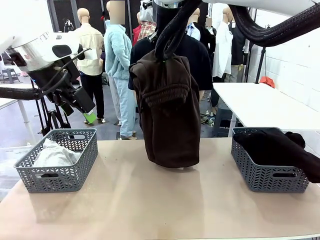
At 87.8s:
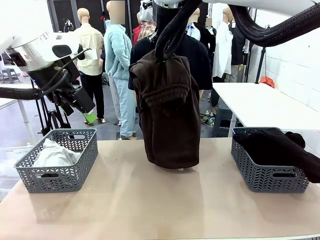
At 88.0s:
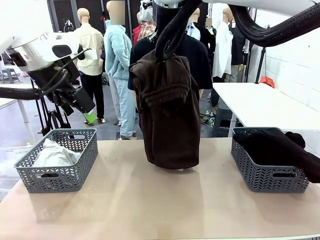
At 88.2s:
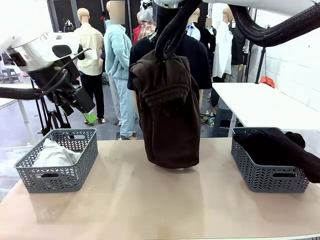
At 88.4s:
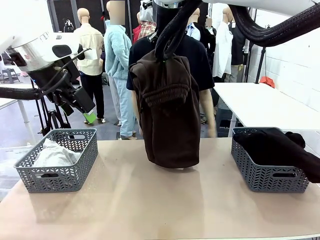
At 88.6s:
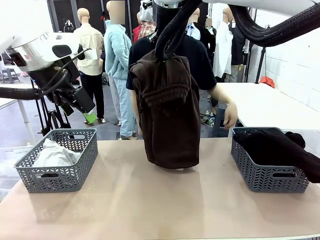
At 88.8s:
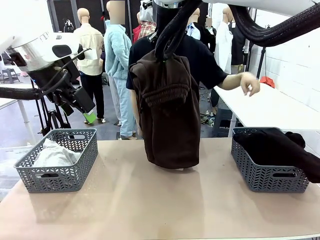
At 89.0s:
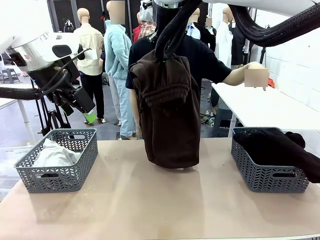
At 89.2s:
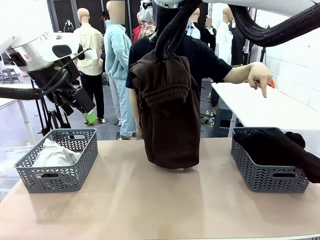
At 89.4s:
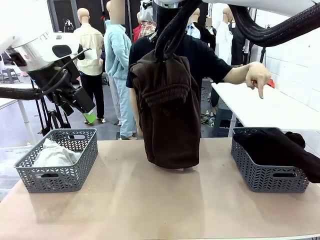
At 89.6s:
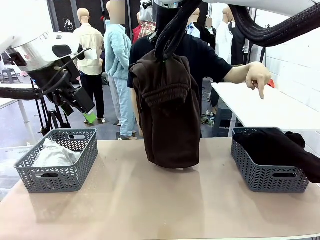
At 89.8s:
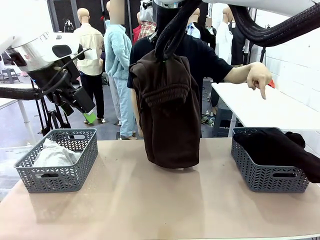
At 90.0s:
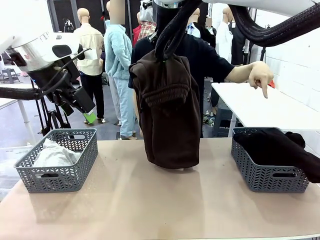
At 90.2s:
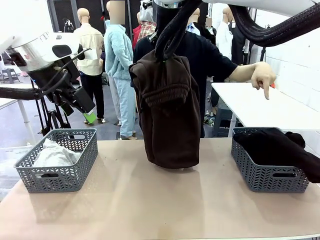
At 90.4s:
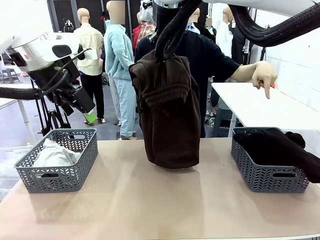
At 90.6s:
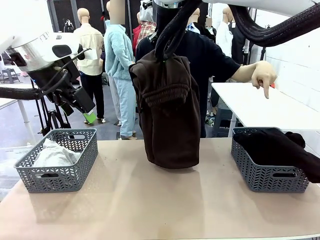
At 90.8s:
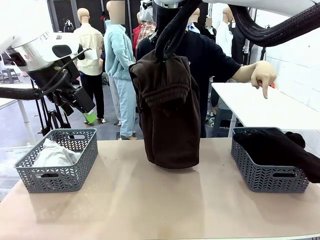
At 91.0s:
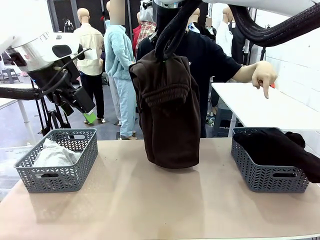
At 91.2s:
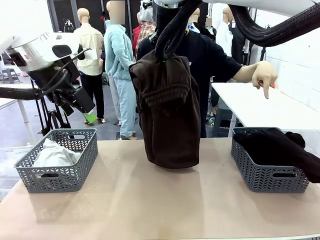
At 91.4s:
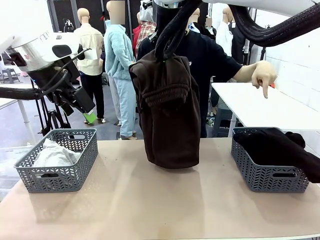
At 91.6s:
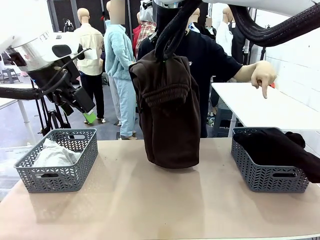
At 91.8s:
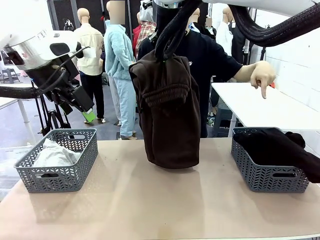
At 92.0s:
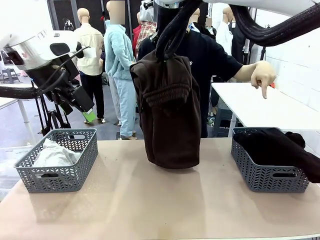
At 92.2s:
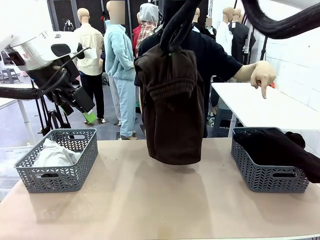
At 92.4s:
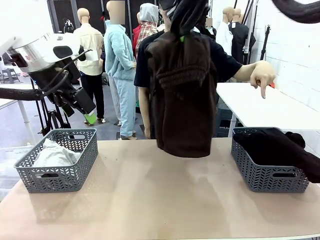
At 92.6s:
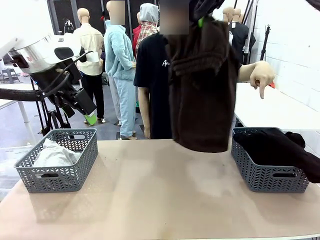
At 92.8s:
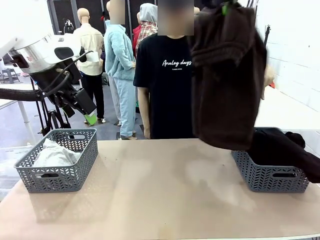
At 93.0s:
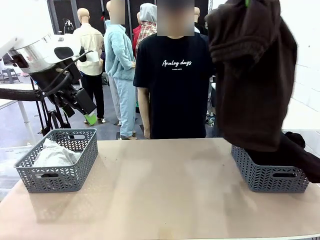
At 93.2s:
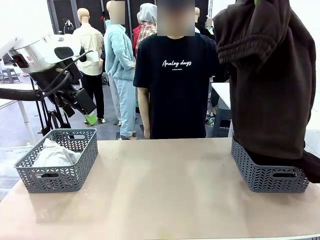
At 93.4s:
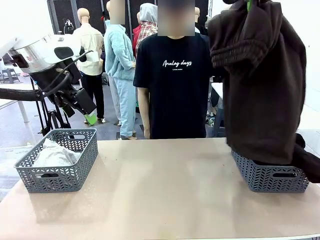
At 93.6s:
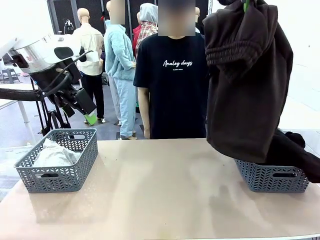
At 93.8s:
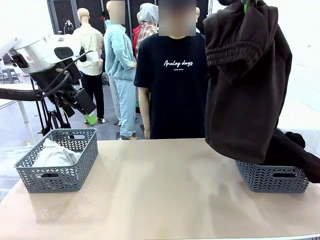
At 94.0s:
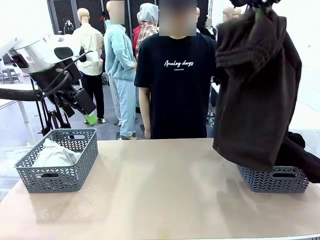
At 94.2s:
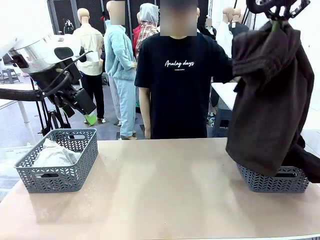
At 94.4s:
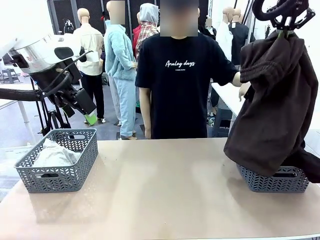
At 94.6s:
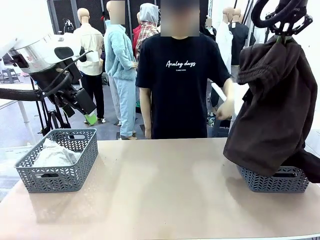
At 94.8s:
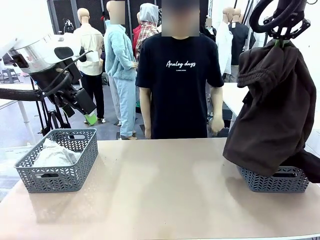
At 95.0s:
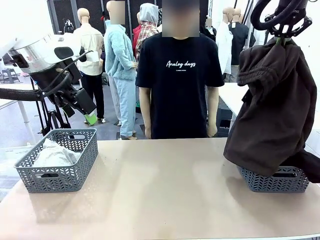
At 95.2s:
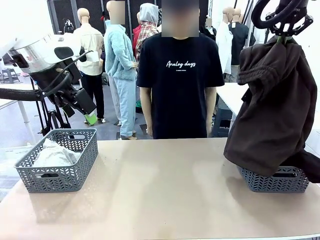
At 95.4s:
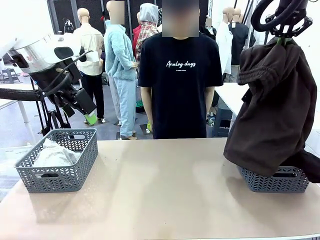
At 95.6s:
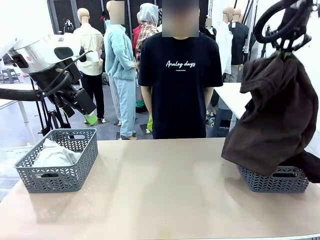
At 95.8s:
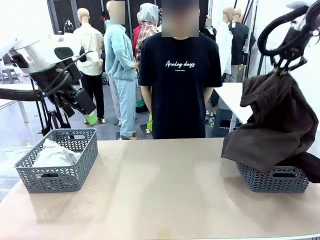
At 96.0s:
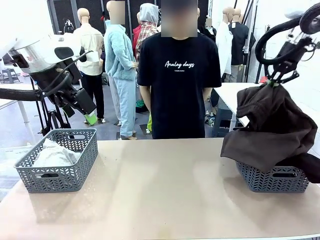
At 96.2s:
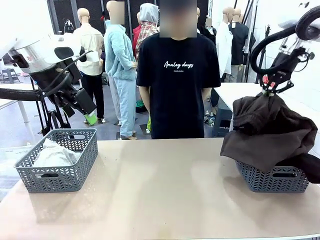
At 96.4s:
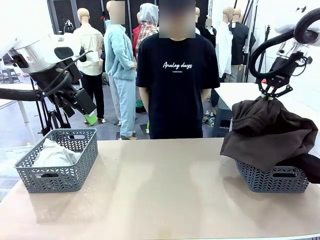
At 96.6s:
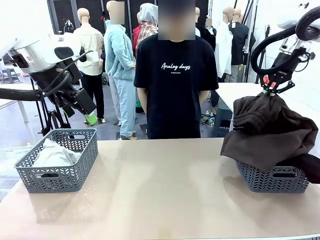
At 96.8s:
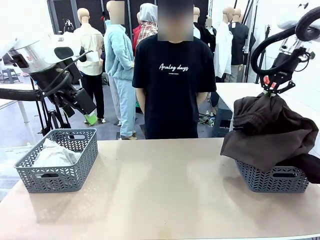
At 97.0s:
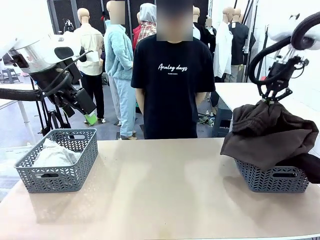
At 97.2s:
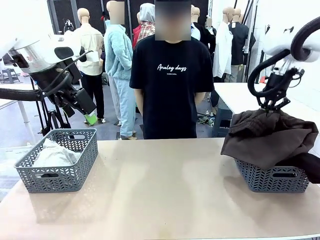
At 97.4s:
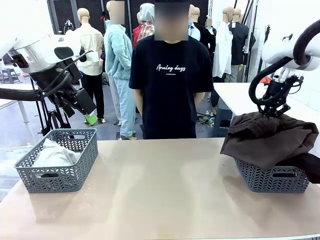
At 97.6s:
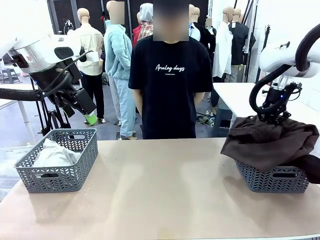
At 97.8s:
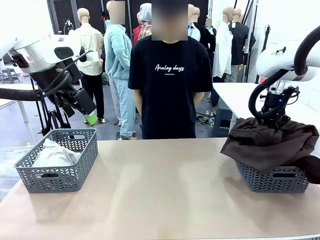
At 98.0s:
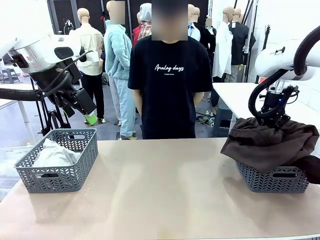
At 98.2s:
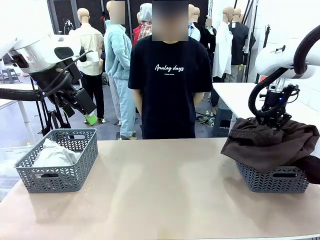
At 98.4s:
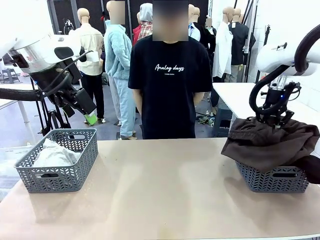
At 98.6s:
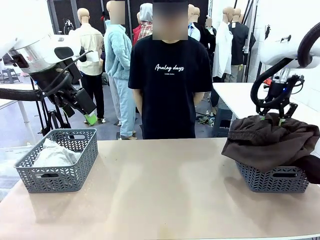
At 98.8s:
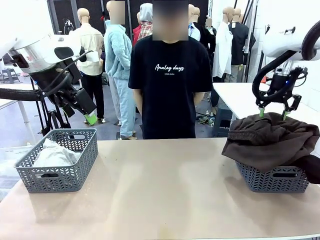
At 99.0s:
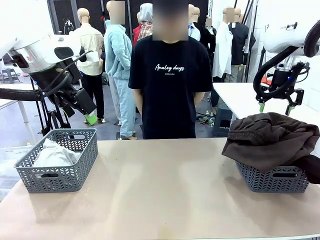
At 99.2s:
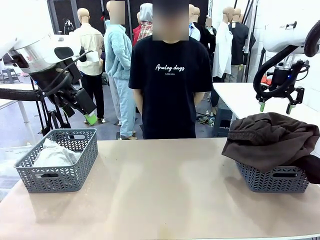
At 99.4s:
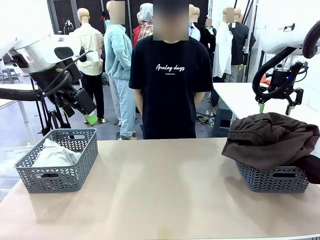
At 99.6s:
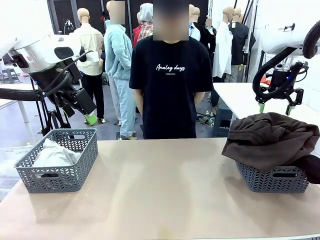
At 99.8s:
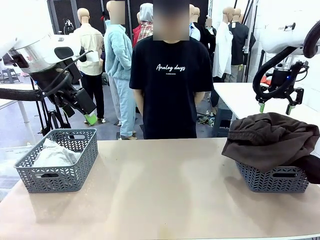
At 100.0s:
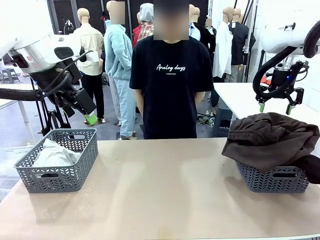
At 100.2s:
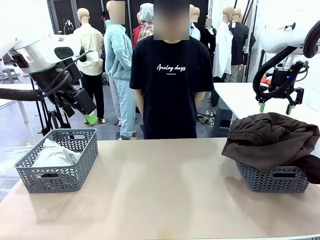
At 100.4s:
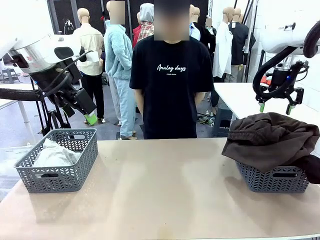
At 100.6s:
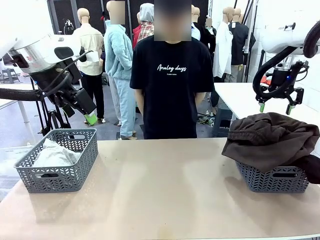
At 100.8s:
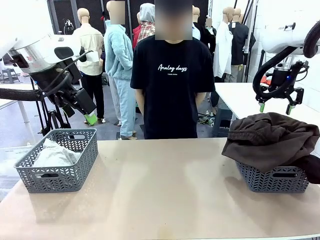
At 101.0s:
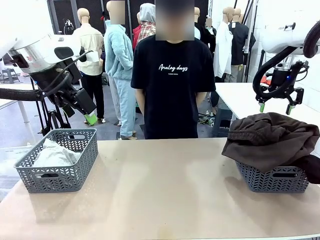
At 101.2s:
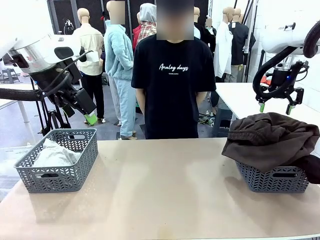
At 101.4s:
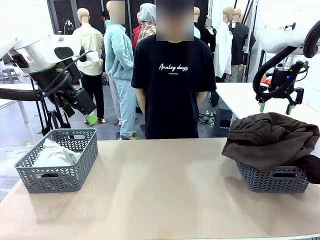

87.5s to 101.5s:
Task: Sort the tops and bottoms.
Robot: Sort the clothes according to human instructions.
